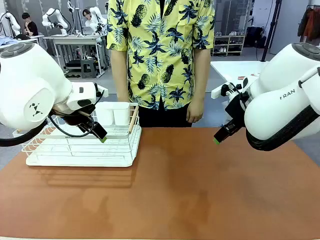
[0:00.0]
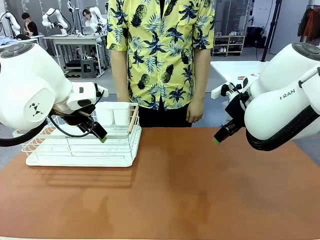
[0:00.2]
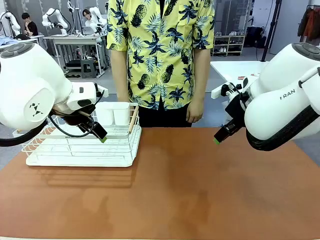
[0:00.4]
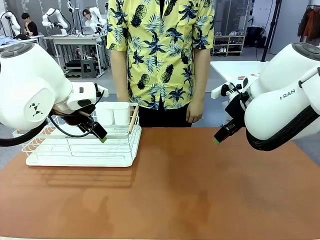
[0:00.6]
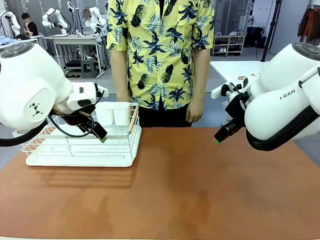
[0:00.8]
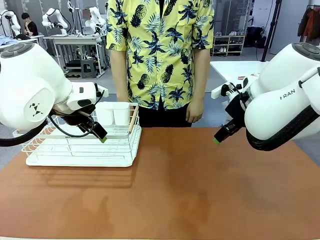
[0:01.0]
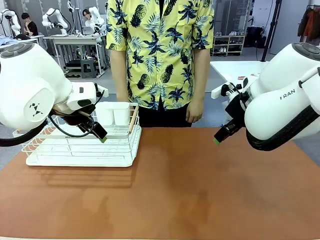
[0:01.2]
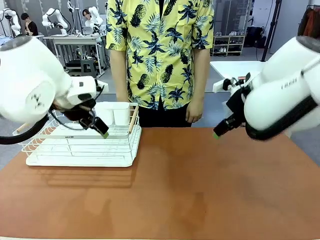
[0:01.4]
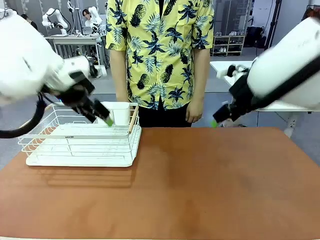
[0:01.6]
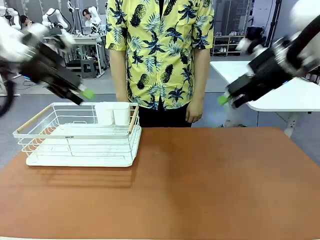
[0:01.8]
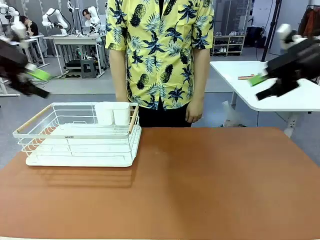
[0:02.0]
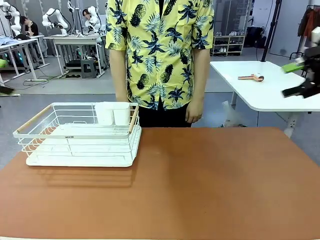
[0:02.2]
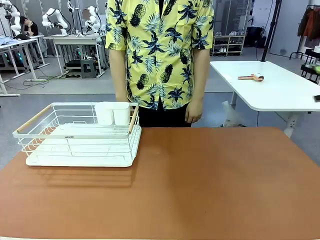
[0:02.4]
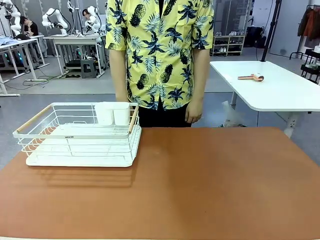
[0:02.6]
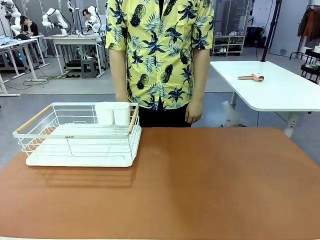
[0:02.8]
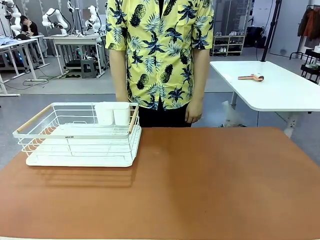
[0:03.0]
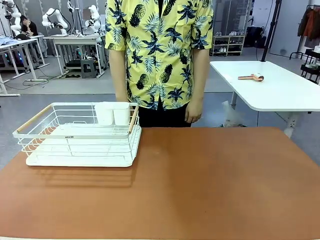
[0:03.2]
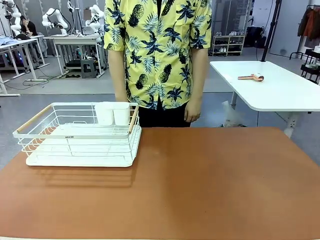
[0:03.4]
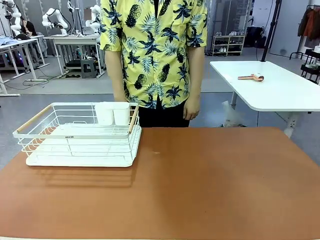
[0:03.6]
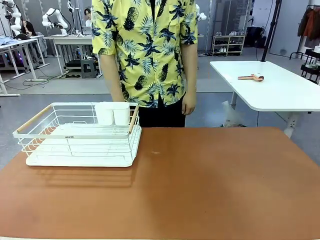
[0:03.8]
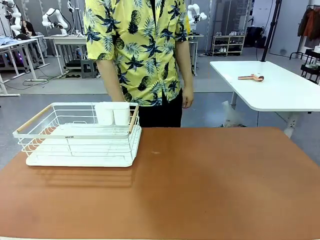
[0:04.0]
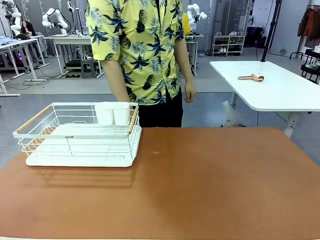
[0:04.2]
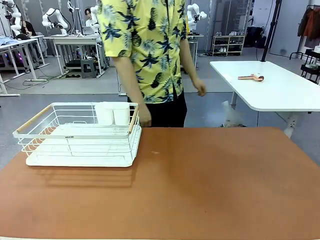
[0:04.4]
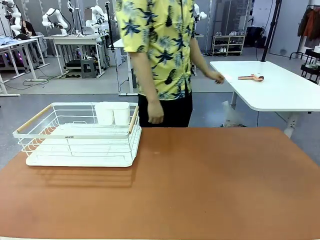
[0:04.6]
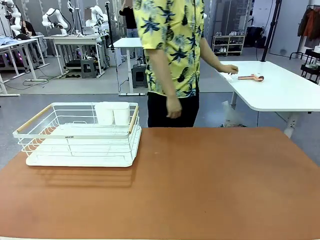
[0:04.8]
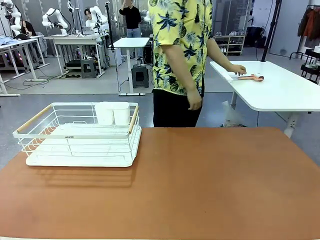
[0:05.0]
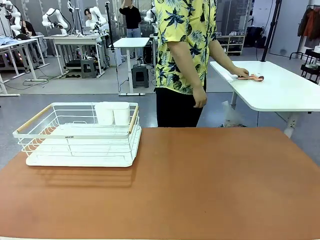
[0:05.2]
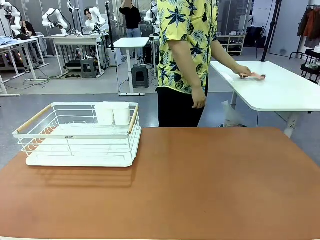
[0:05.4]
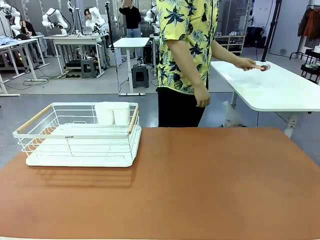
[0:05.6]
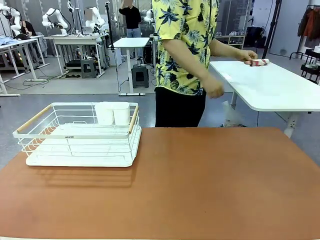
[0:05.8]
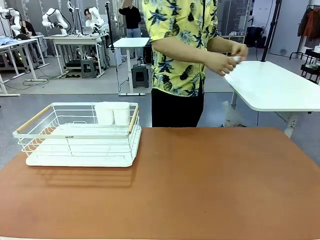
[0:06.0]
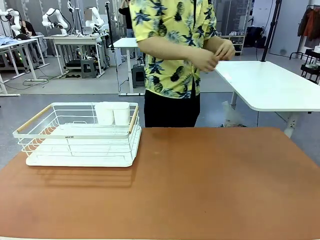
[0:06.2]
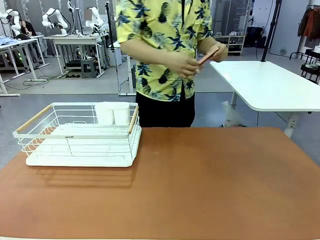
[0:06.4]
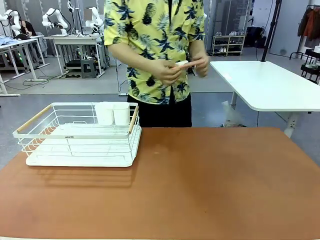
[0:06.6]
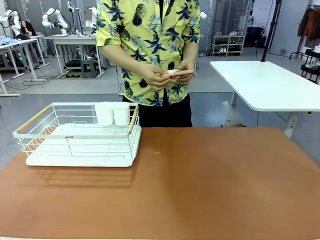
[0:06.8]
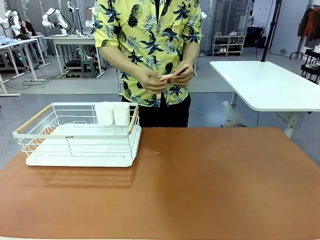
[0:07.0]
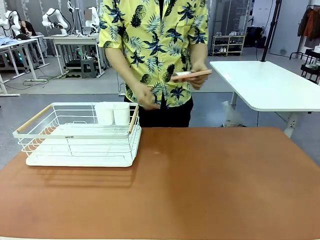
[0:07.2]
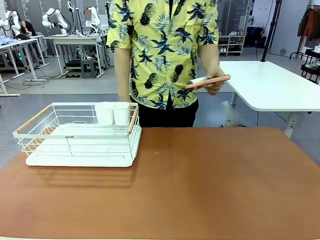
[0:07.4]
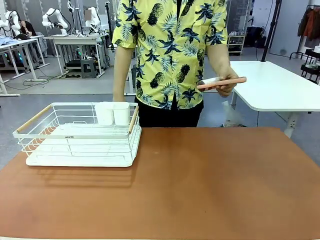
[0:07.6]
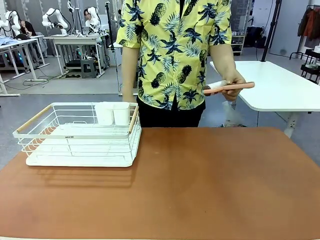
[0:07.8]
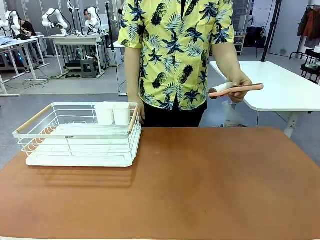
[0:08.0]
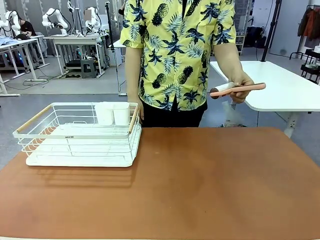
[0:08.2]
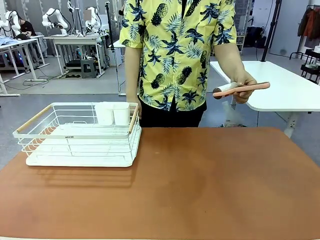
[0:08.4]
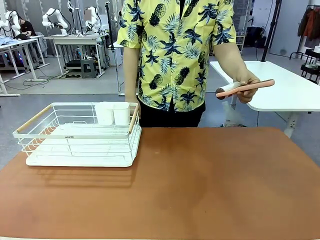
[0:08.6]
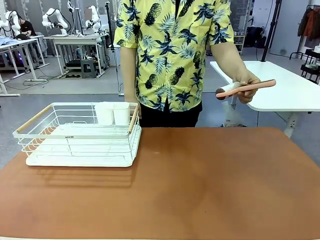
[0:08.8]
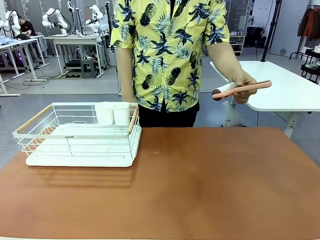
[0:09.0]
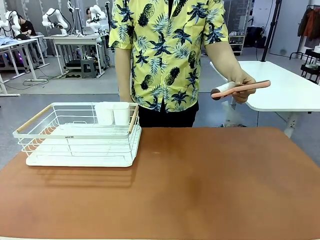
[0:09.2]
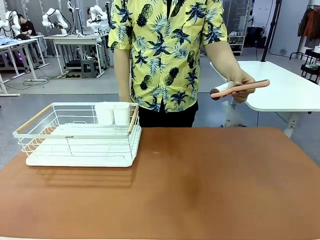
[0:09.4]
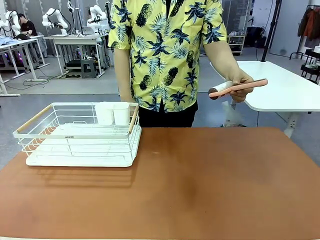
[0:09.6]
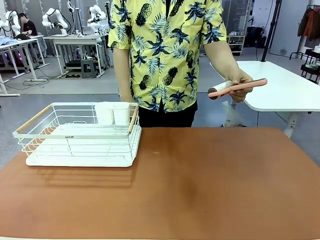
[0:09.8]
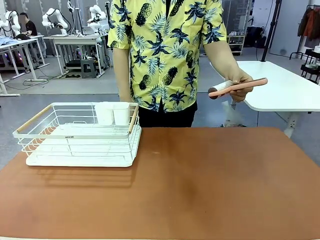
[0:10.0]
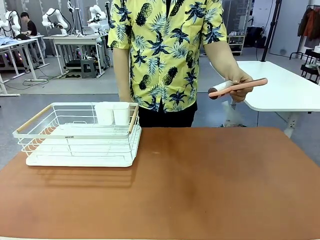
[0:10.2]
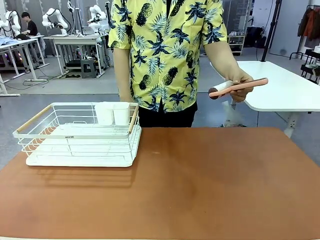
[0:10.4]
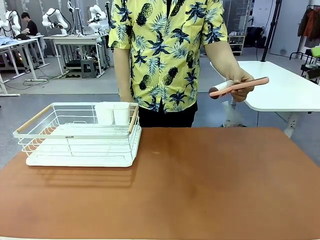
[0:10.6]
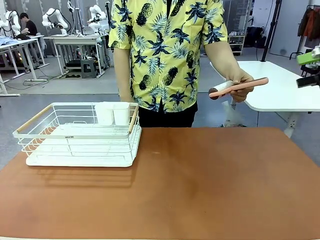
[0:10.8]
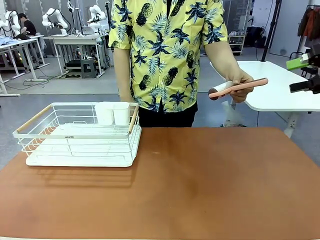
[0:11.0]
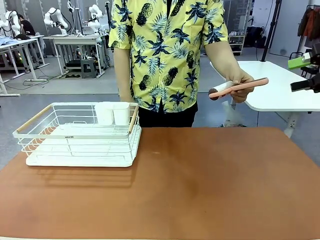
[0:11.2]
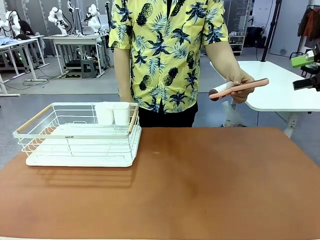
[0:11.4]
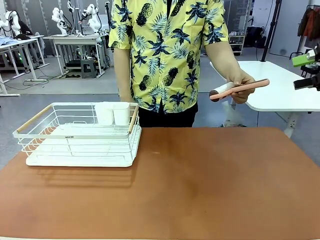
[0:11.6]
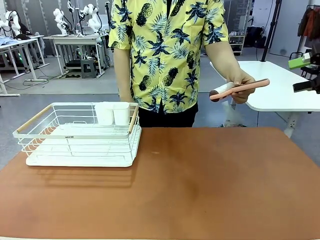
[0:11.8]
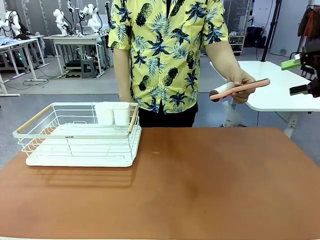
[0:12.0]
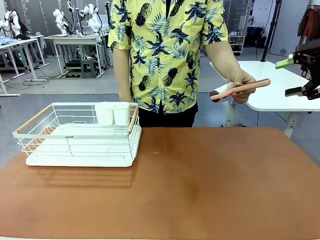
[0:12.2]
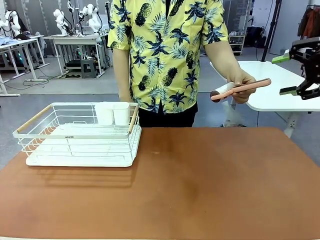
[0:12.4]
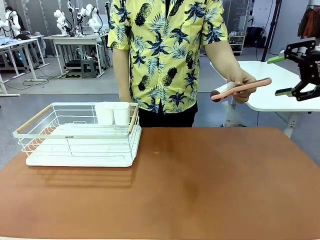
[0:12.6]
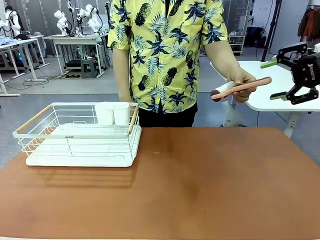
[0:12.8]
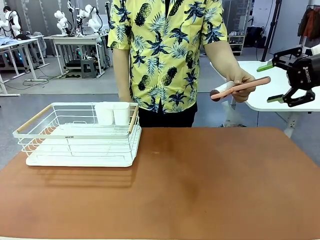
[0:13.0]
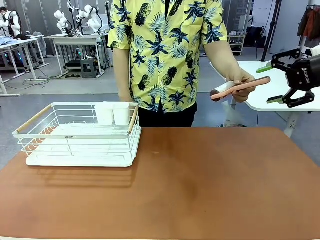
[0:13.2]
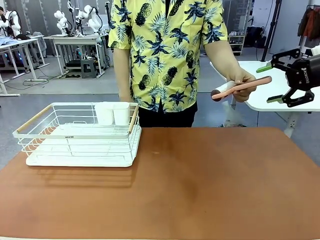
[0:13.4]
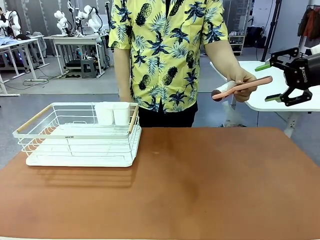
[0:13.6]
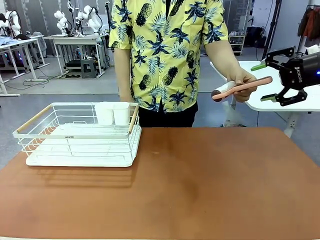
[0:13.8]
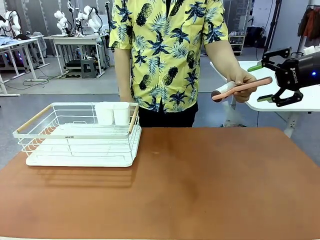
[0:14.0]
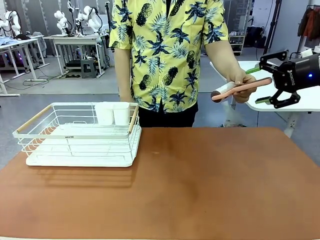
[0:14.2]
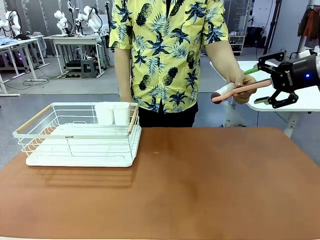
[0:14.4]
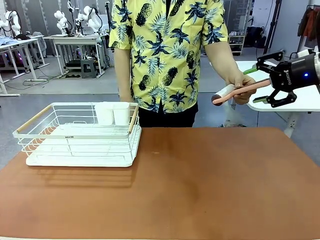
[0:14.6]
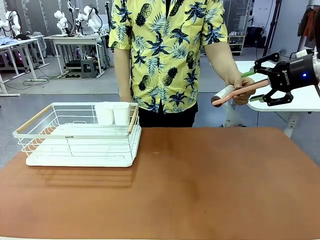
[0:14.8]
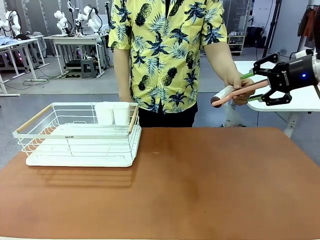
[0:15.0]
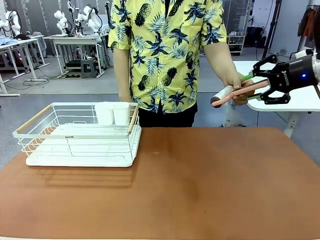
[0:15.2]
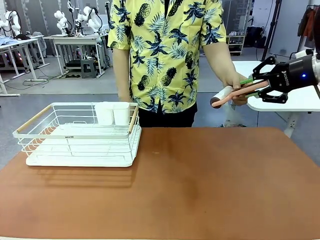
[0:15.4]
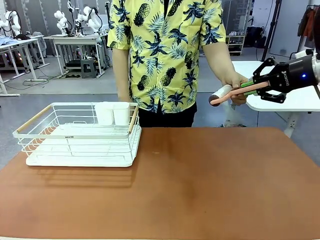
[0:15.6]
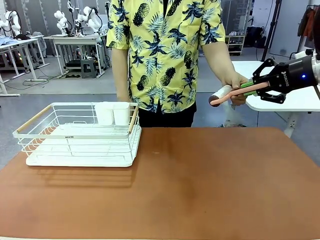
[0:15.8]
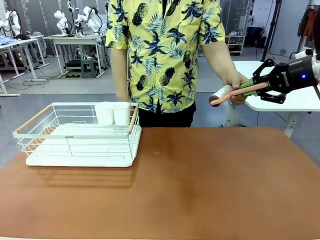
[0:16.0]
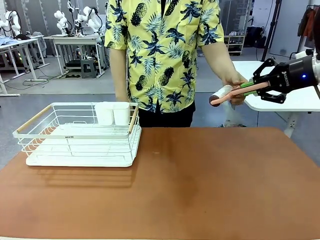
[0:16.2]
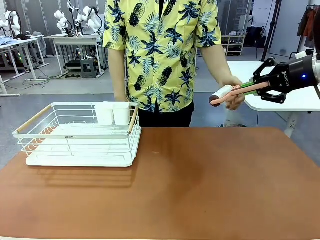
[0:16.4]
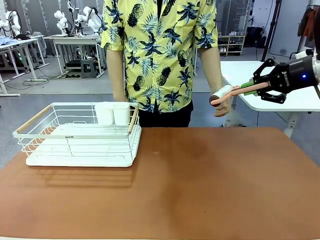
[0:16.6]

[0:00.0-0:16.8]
Task: Clean the table.
Robot: Pick up the Lint Roller when the human hands it over.
Person: Hand the Lint Roller to the robot so it can easily pick it up. Lift the Dish drying rack.
